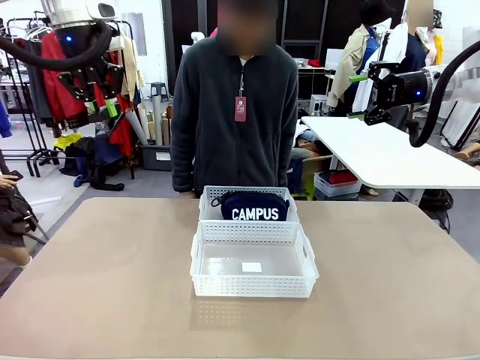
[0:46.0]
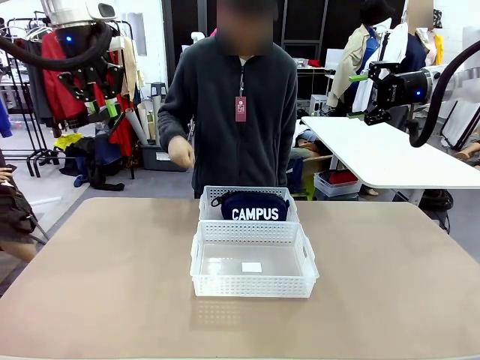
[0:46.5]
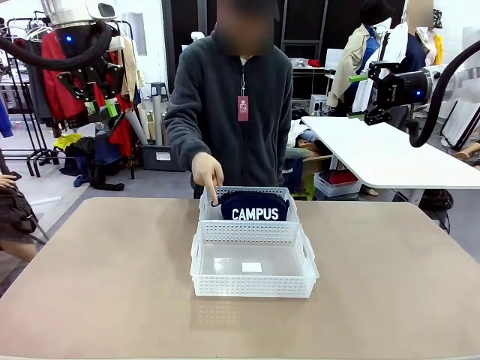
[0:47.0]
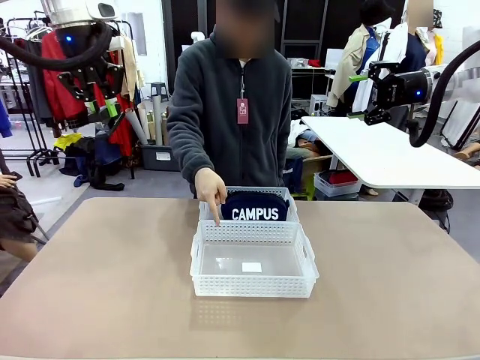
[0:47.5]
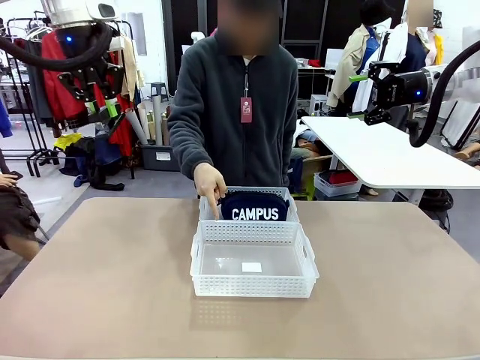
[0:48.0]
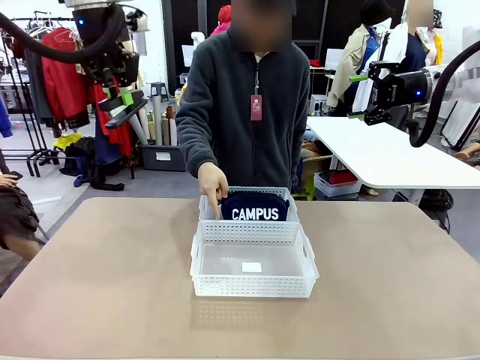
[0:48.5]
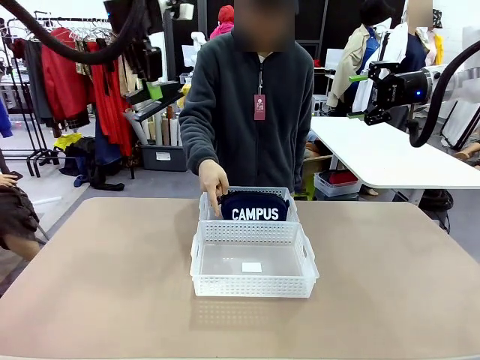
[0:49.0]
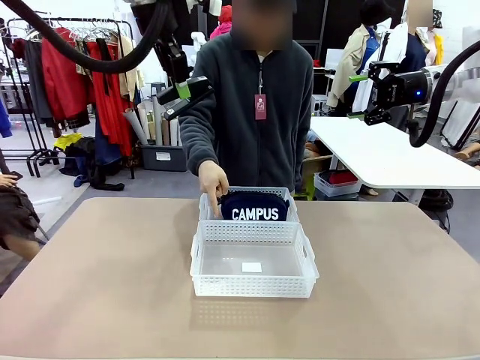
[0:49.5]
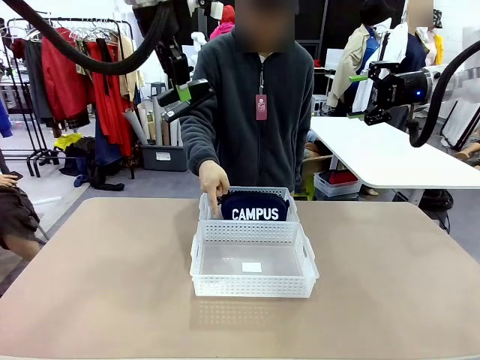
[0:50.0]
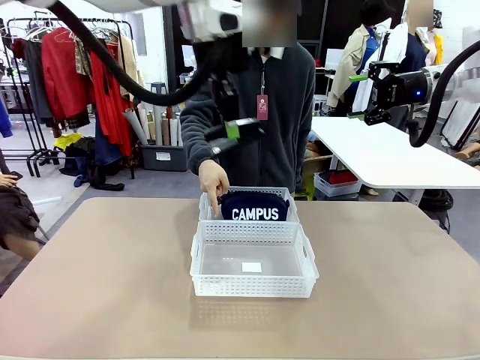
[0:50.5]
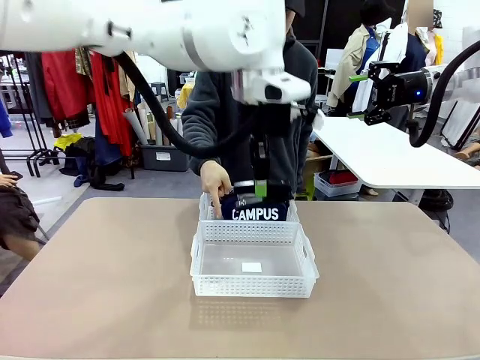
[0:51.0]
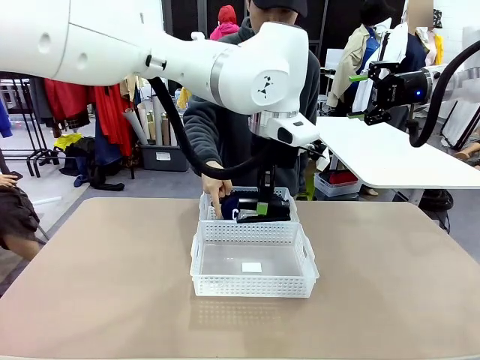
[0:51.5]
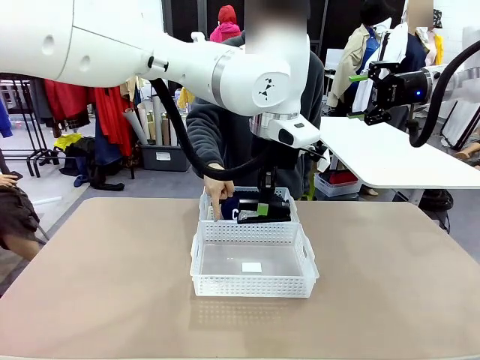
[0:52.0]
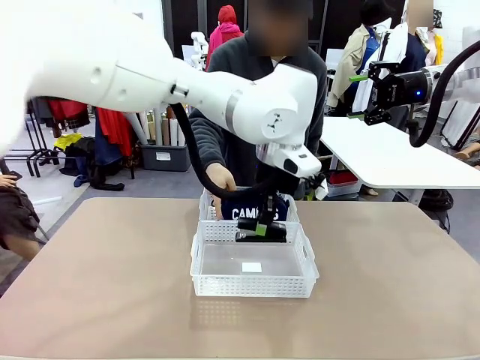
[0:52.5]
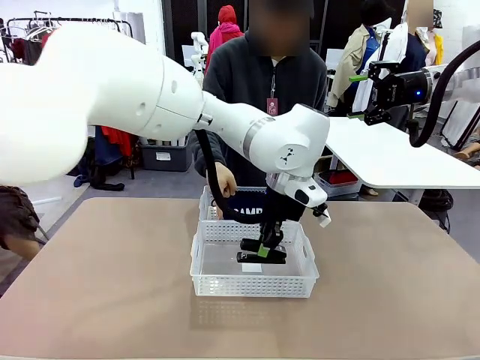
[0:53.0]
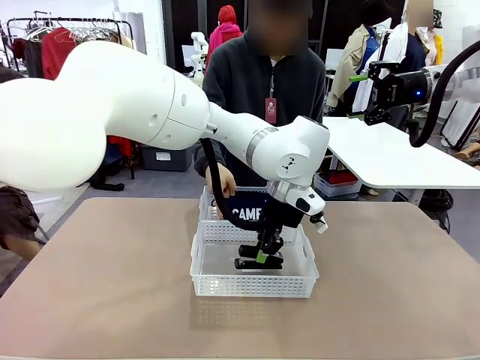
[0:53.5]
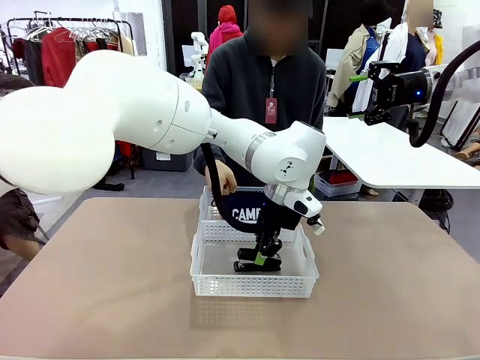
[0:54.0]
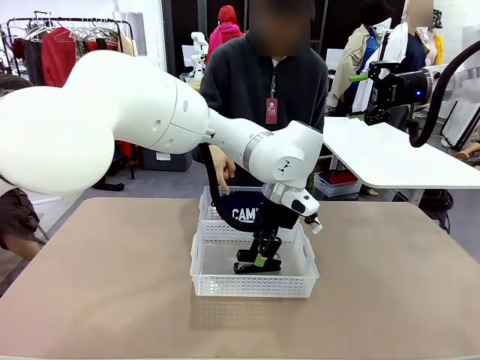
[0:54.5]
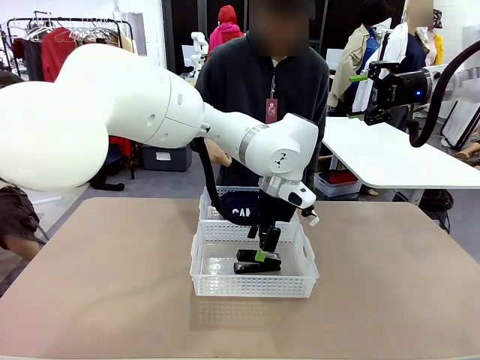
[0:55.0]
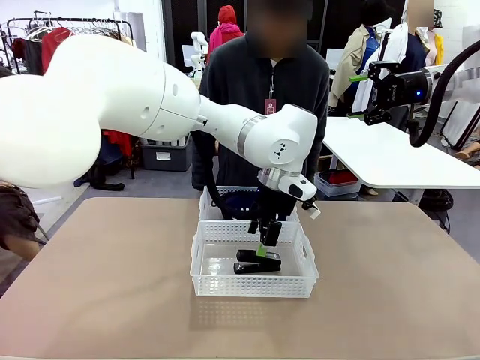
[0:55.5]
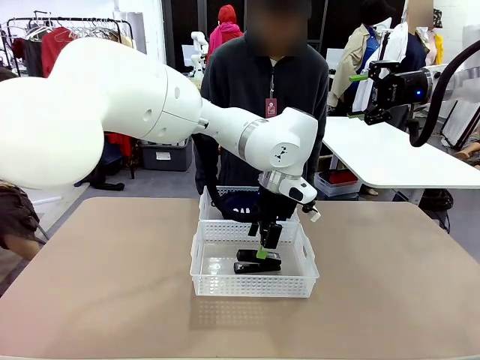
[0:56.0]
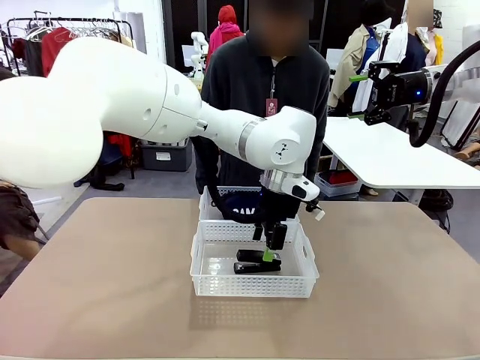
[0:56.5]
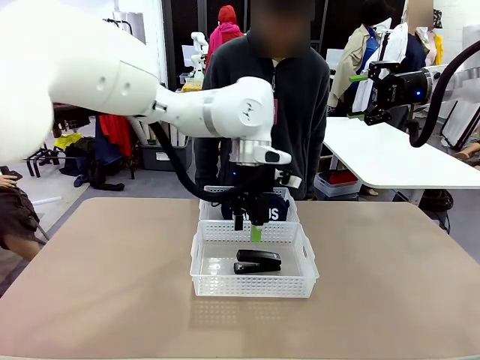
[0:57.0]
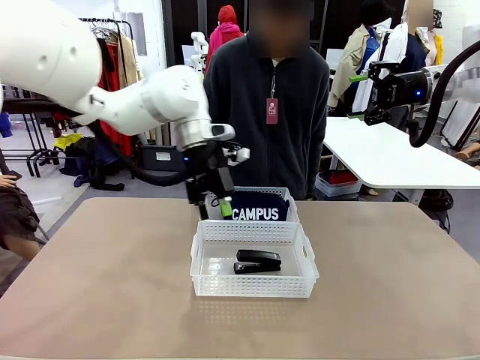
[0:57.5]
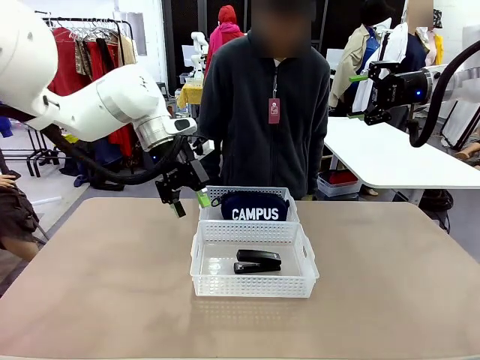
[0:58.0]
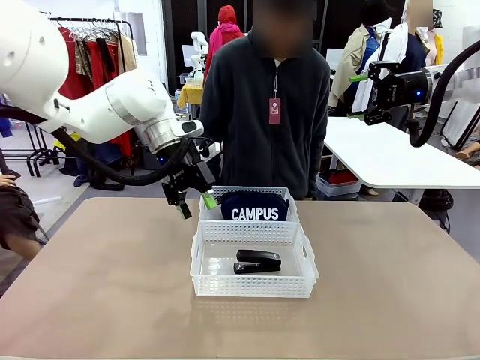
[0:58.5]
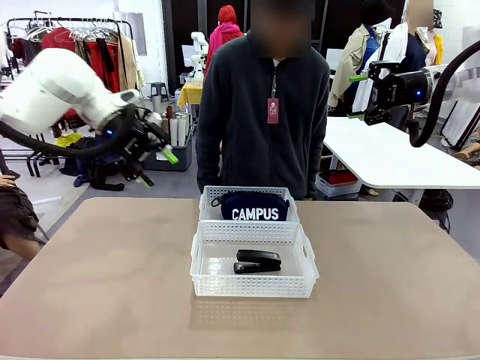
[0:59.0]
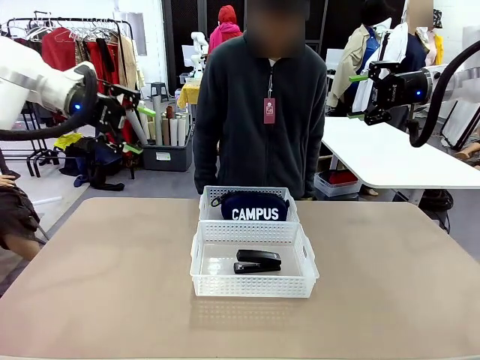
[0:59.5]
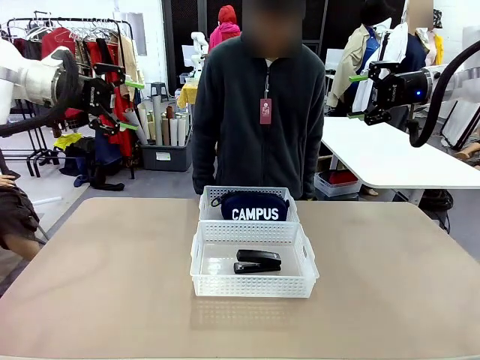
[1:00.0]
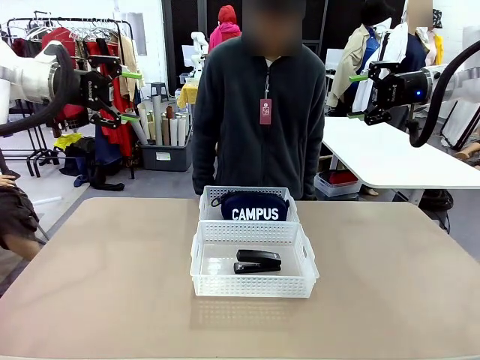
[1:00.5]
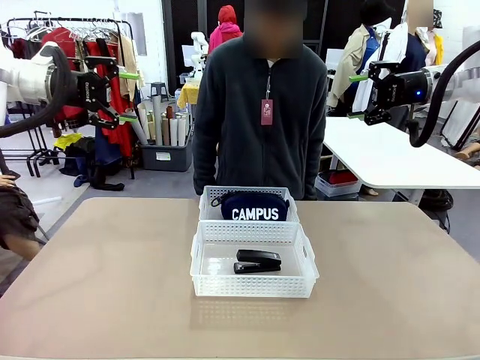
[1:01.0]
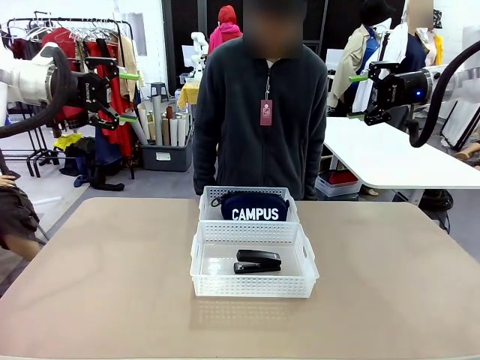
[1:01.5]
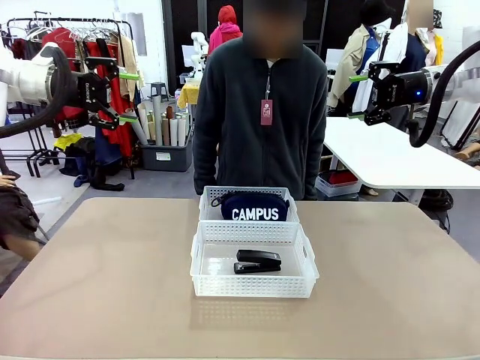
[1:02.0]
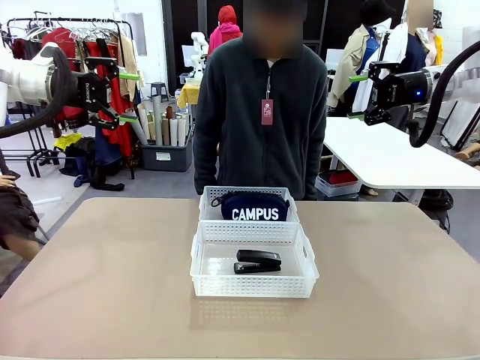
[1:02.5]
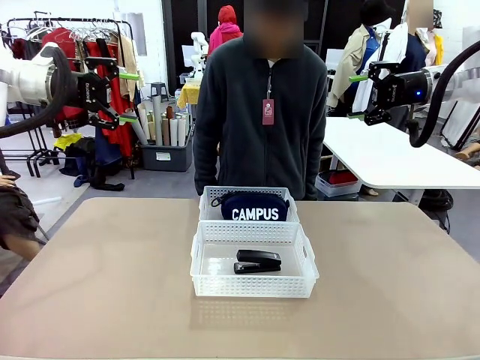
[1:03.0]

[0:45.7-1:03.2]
Task: Distribute items into two baskets.
Robot: Place the picked Stapler into the Organizing basket as instructed by the person.
Person: Points to the basket that does not contain the pencil case and instructs the robot to move the stapler there.

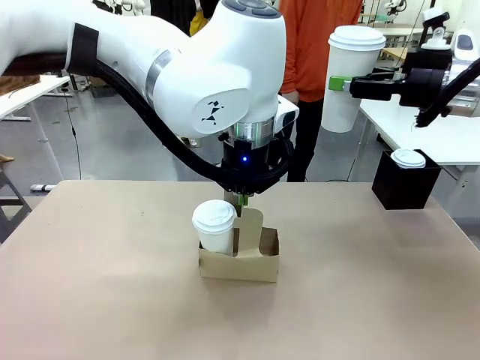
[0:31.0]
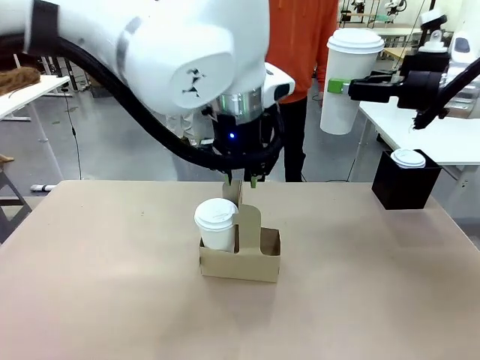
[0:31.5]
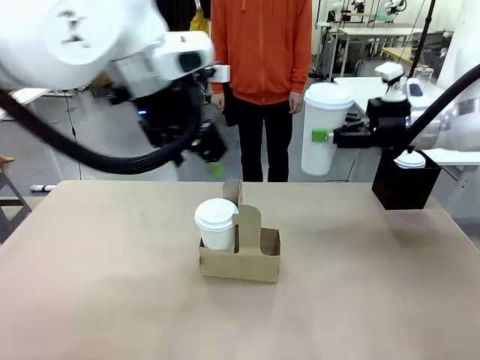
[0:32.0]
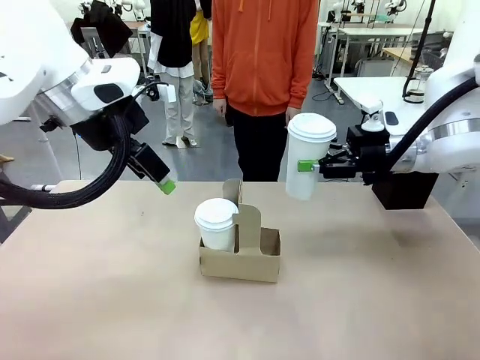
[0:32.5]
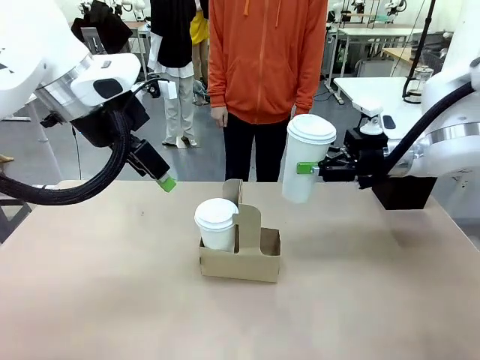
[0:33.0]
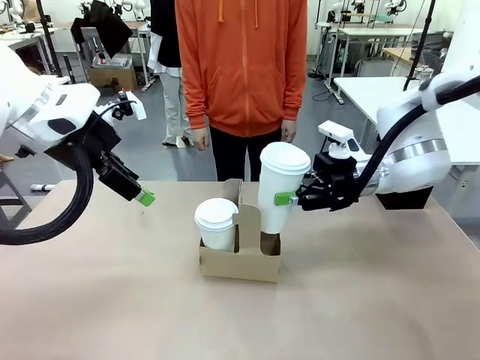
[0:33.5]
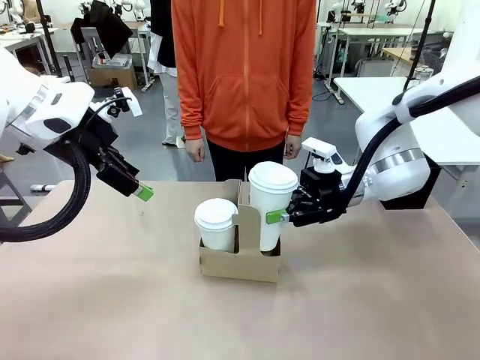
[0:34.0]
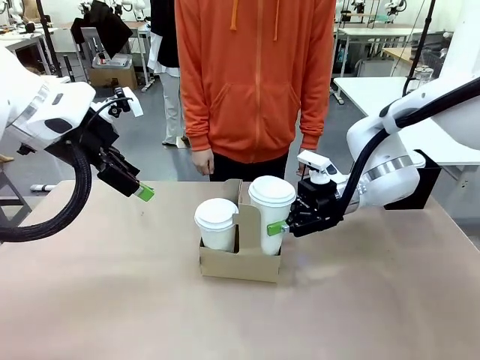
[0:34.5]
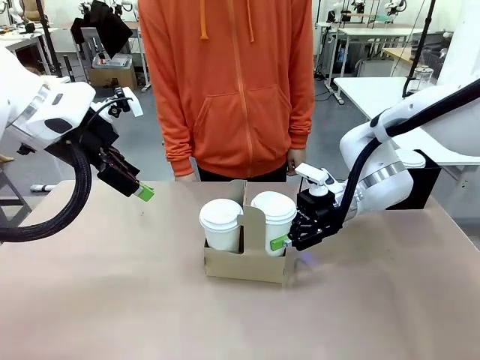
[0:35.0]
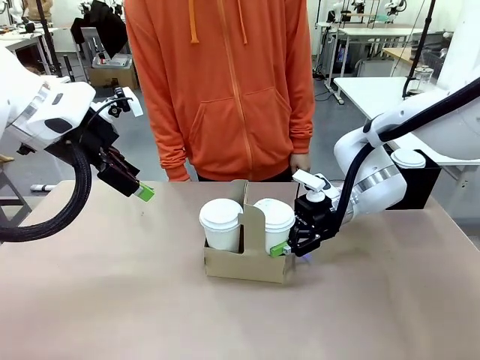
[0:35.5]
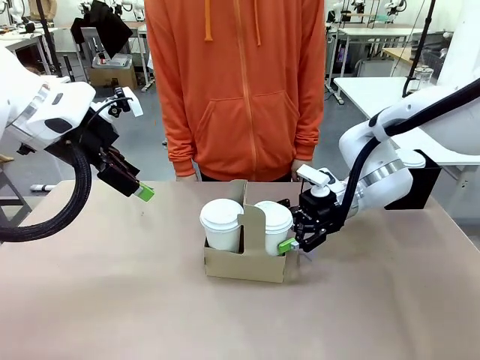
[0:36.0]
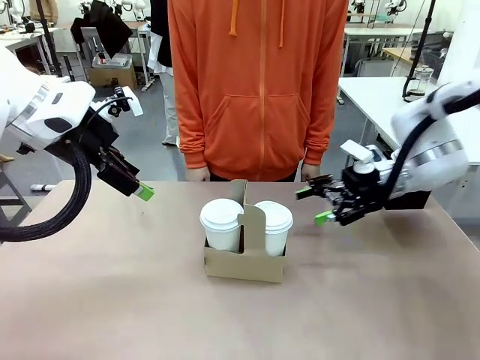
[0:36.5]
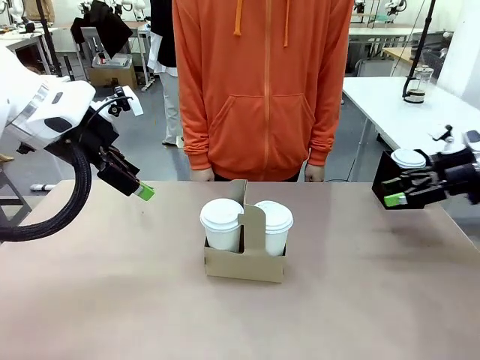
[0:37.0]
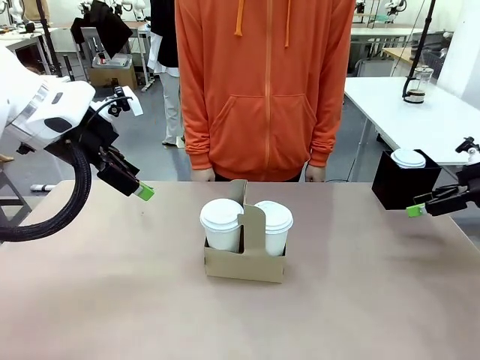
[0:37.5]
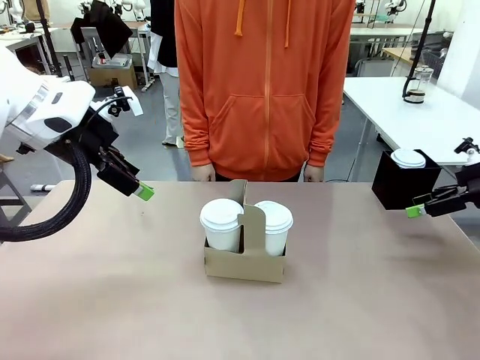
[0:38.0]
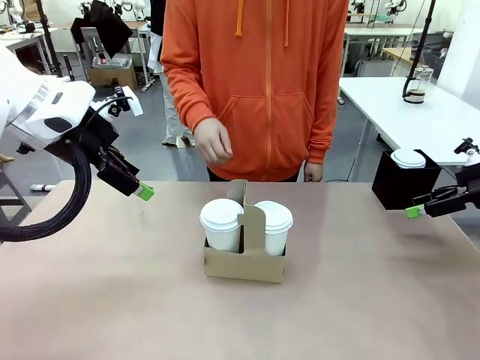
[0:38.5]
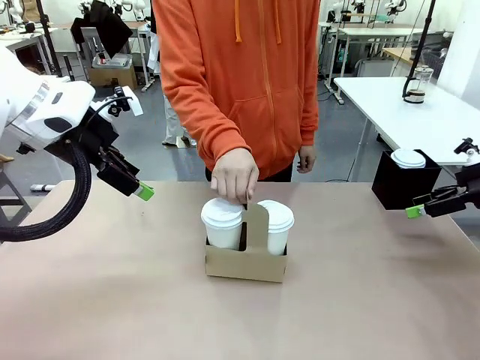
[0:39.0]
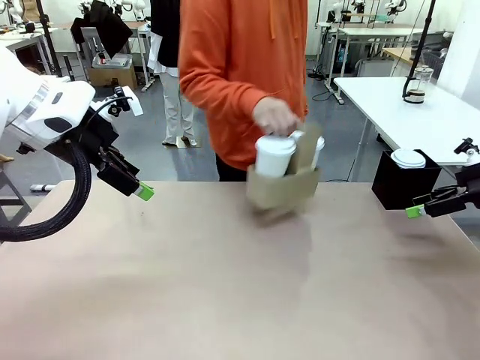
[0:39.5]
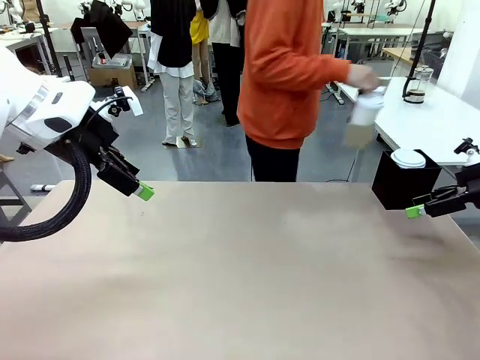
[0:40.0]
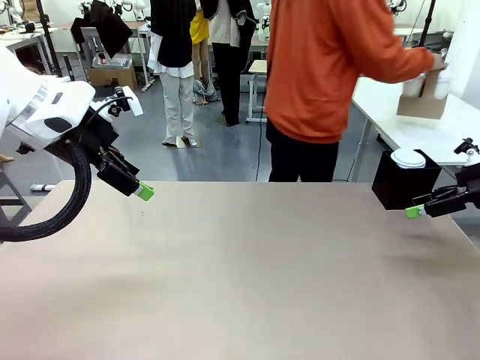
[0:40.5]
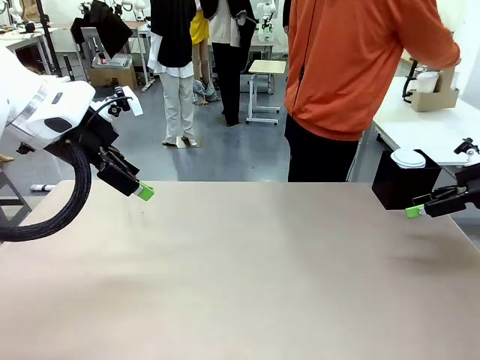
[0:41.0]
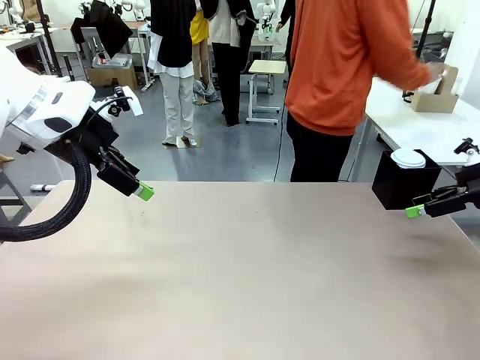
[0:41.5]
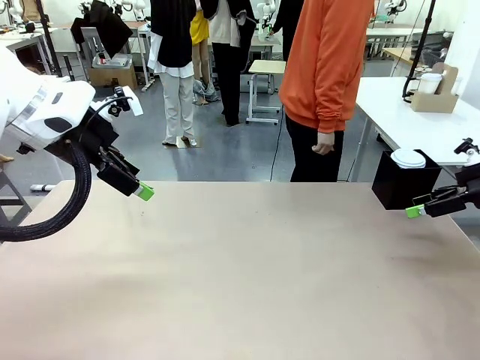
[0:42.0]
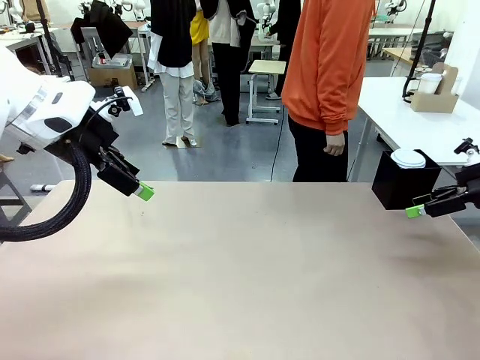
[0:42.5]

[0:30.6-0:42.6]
Task: Pour a drink into a cup and package it in a carrier.
Robot: Insert the held 600 ml Paper Cup into the Cup Carrier.
Person: Place the Cup Carrier to the middle of Human table.
